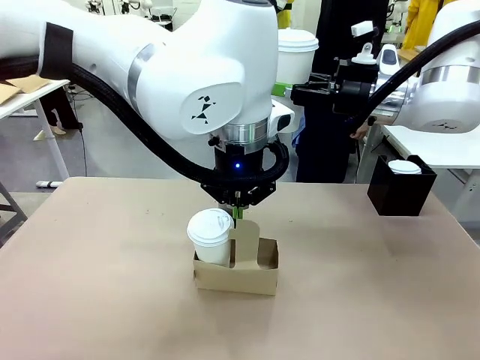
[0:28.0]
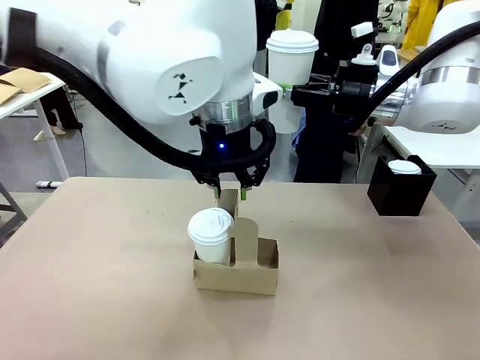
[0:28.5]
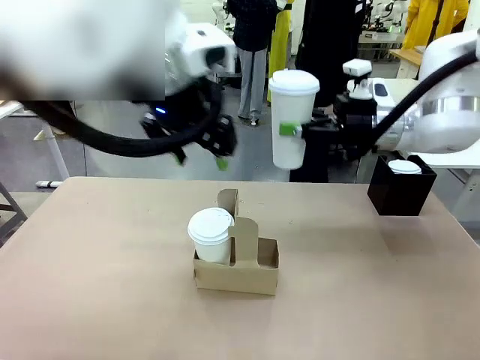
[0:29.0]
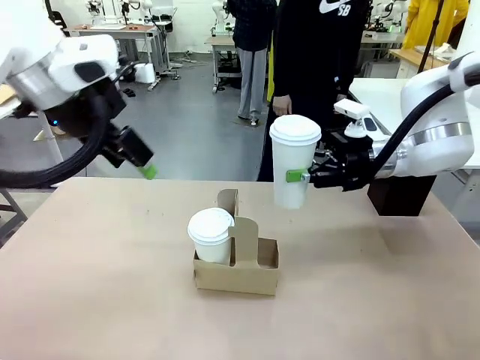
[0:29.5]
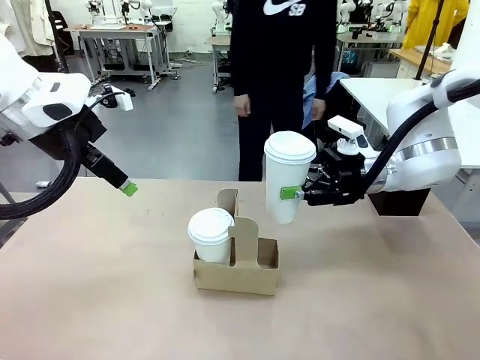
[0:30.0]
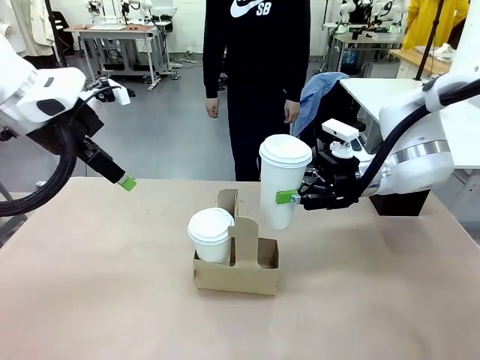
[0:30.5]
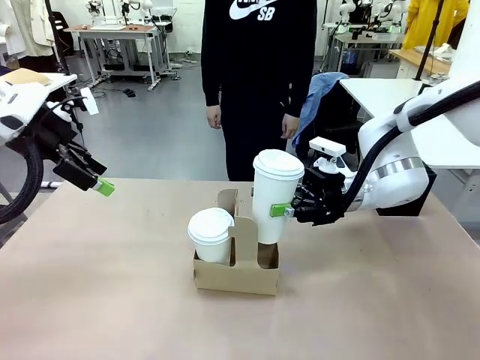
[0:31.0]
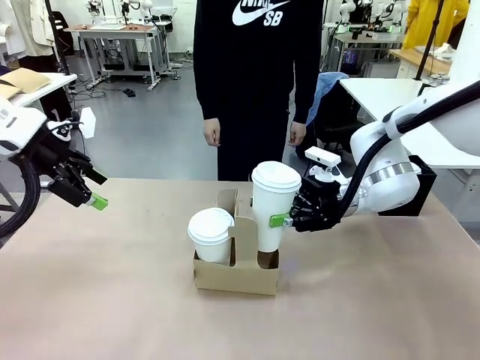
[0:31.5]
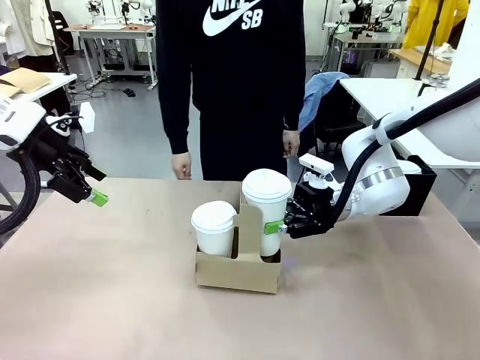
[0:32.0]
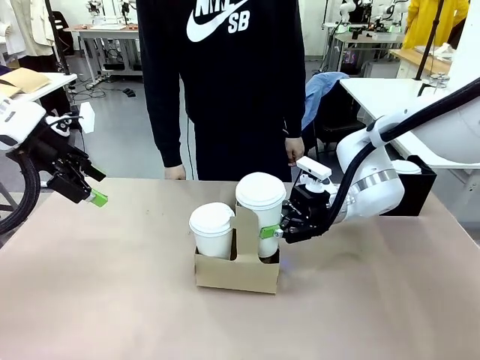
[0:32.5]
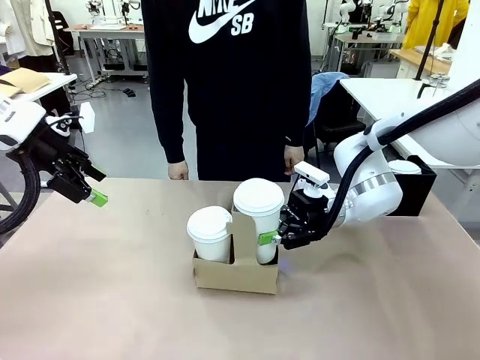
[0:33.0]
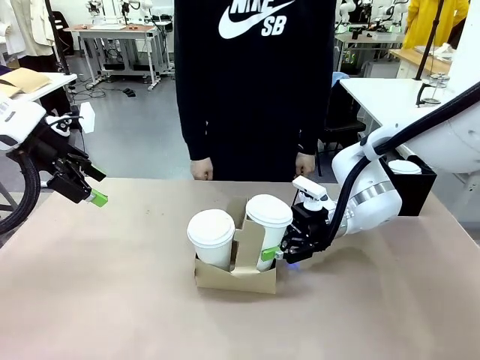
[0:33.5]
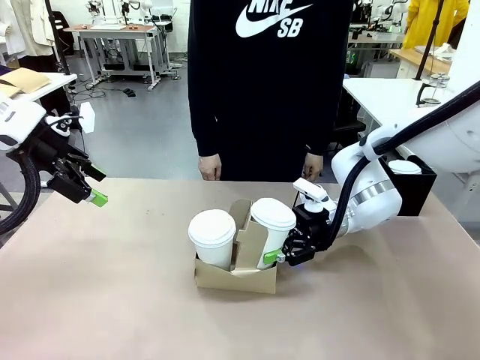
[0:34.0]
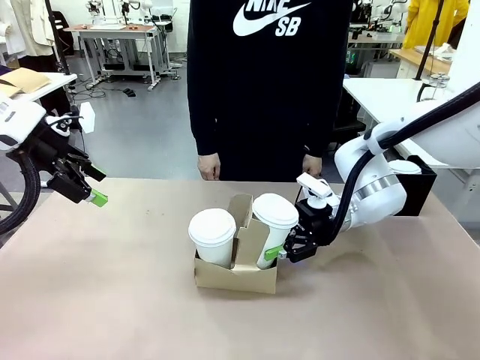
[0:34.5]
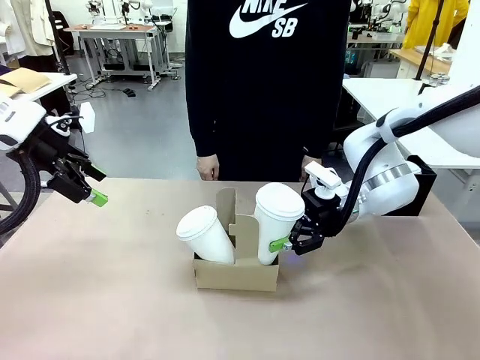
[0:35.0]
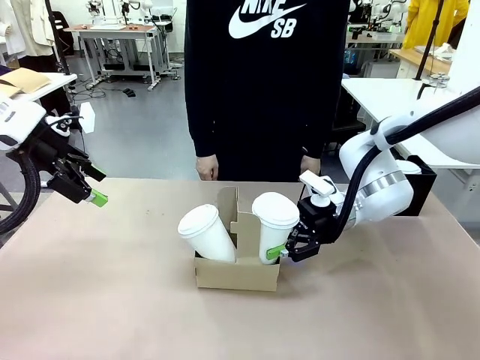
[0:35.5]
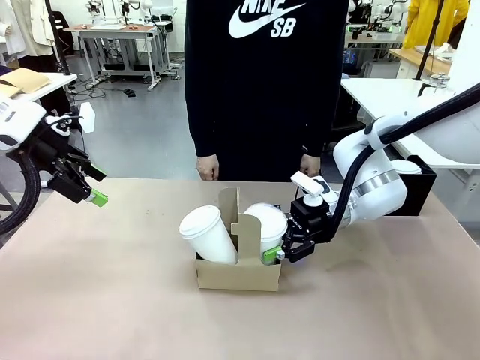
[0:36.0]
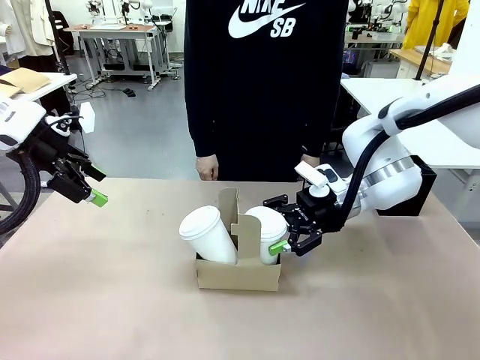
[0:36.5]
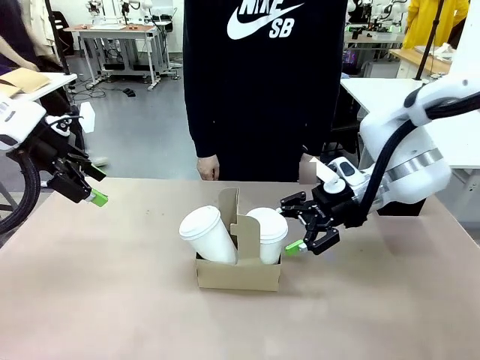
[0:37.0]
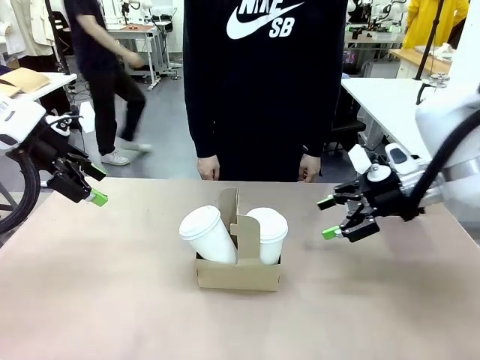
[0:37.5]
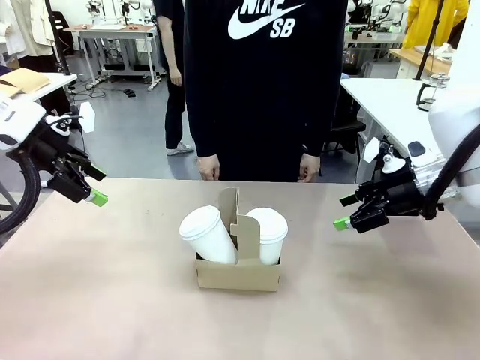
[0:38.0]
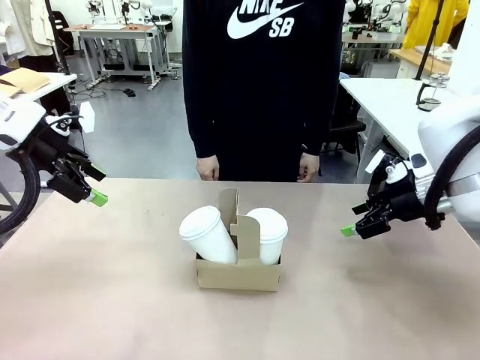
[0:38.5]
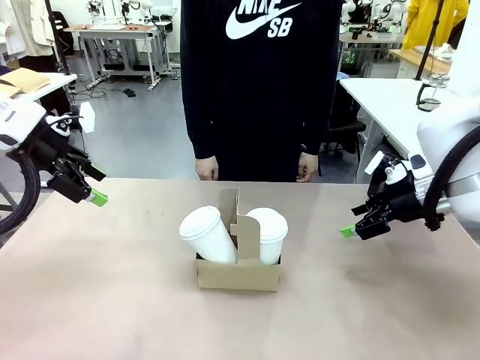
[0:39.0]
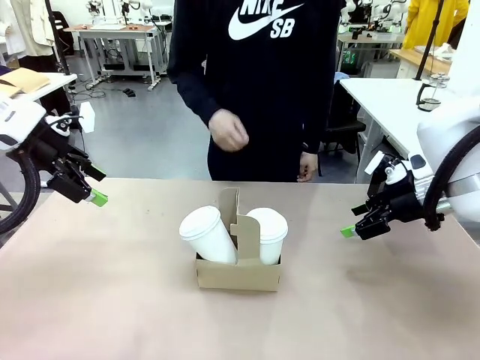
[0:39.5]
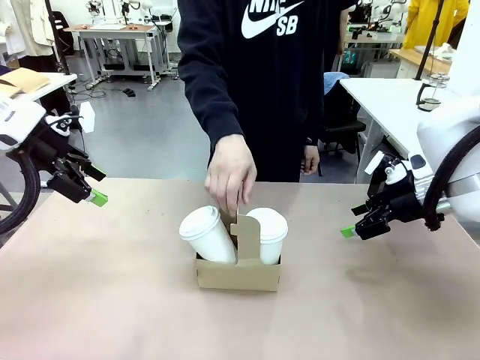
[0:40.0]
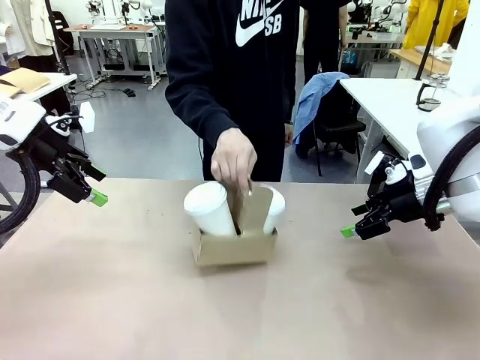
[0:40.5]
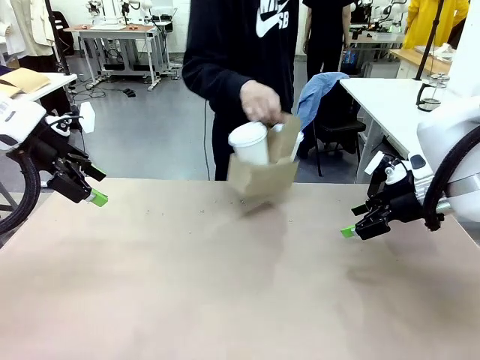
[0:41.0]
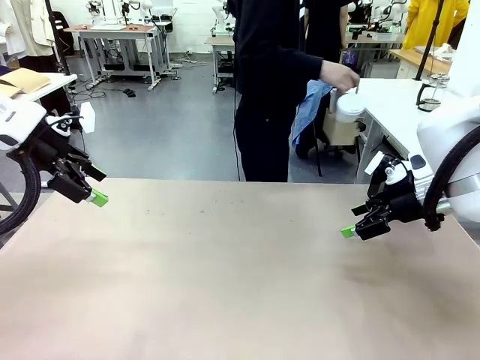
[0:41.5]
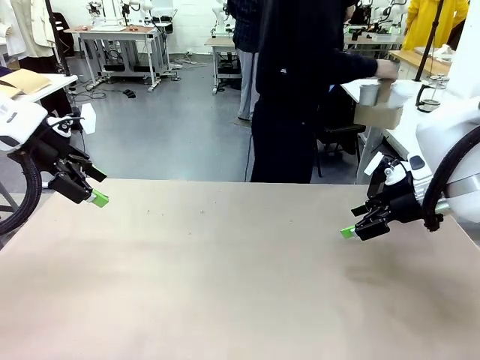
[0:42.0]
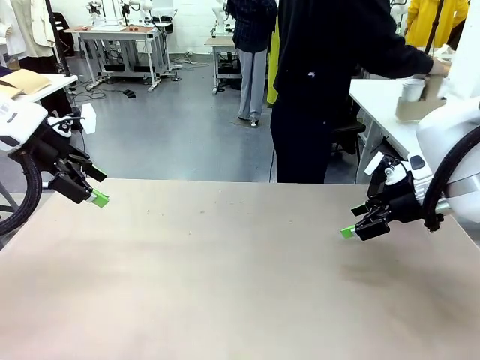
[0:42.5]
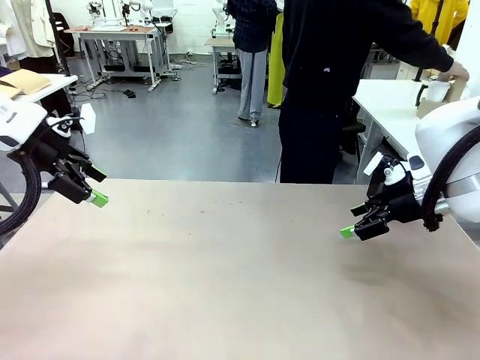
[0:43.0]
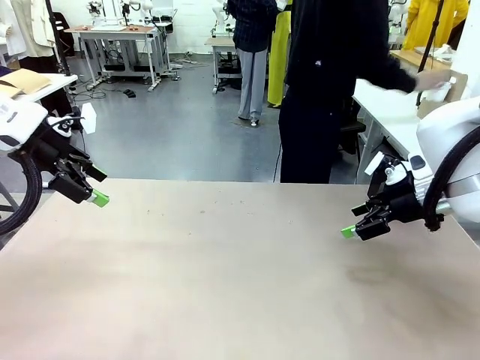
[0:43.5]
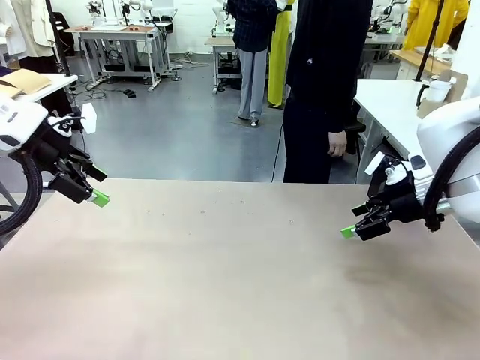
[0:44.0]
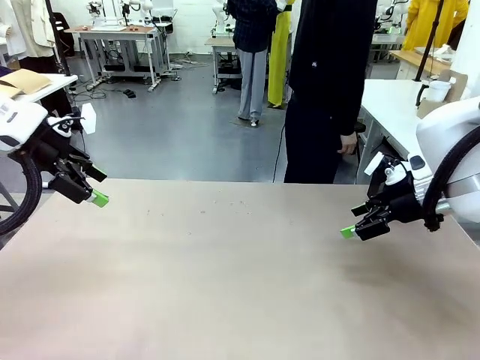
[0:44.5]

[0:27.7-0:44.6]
Task: Pour a drink into a cup and package it in a carrier.
Robot: Insert the held 600 ml Paper Cup into the Cup Carrier.
Person: Place the Cup Carrier to the middle of Human table.

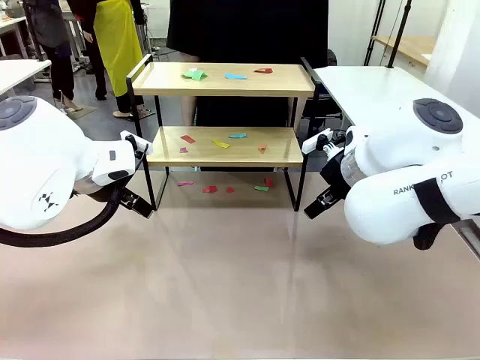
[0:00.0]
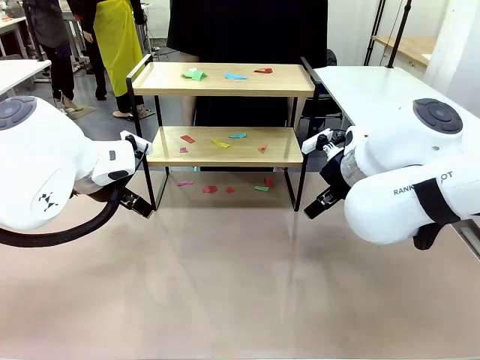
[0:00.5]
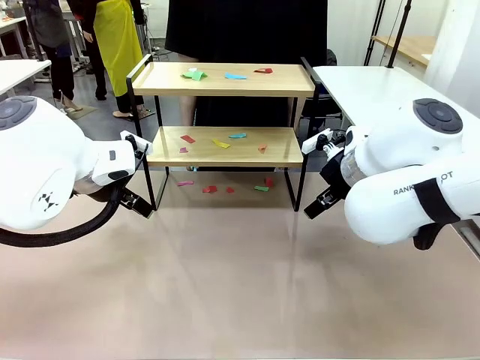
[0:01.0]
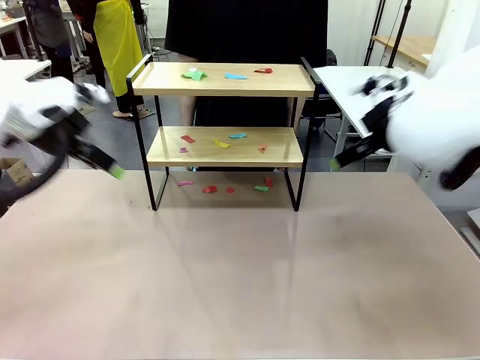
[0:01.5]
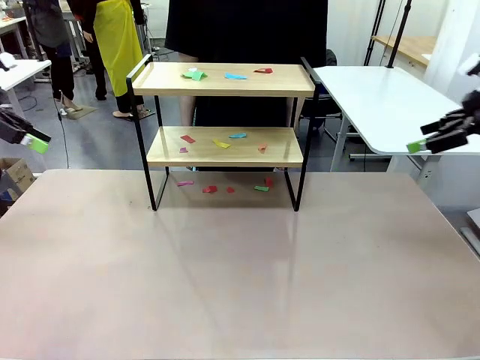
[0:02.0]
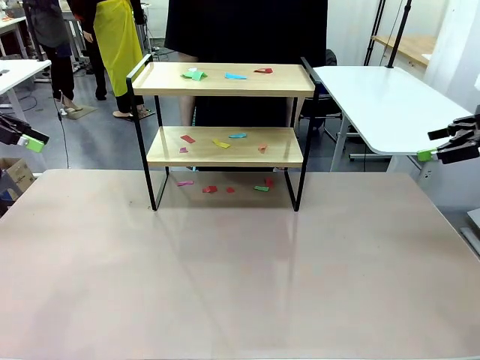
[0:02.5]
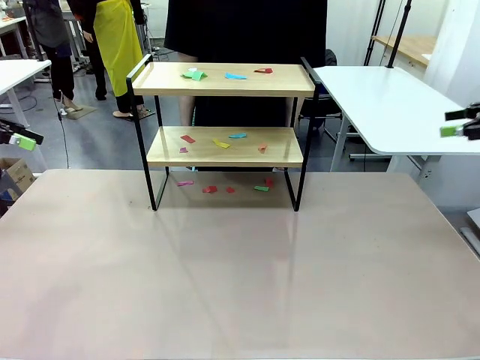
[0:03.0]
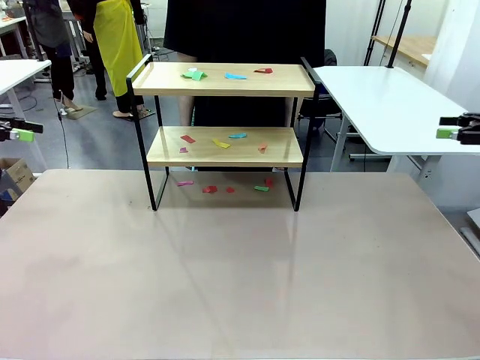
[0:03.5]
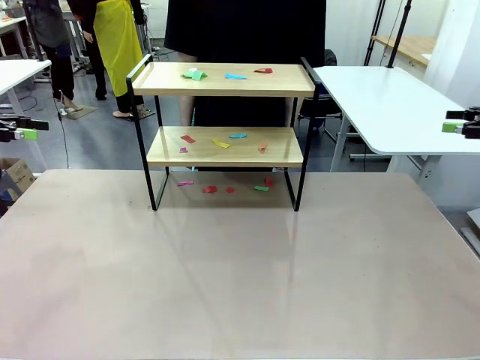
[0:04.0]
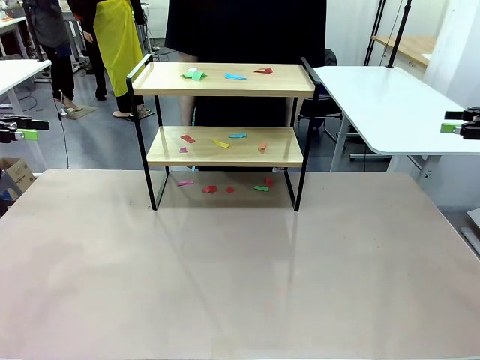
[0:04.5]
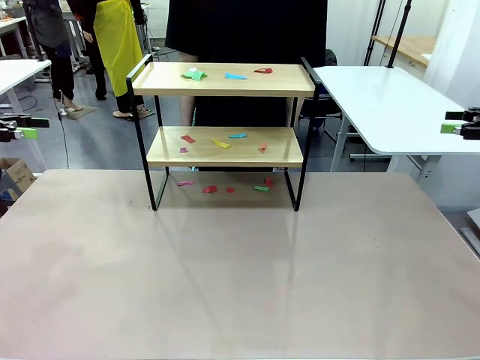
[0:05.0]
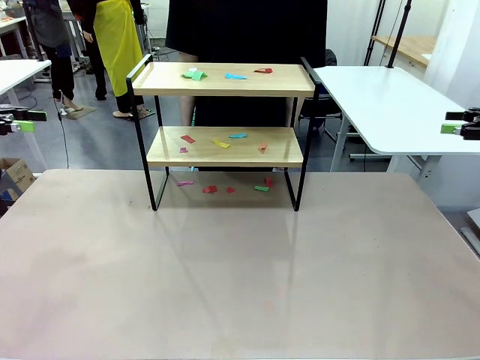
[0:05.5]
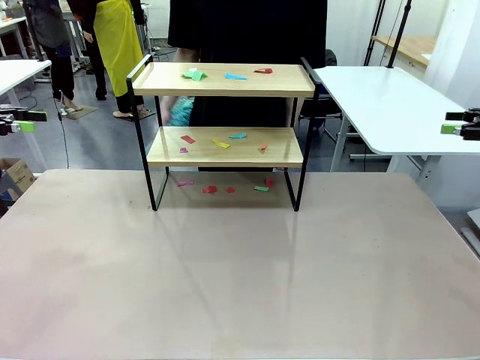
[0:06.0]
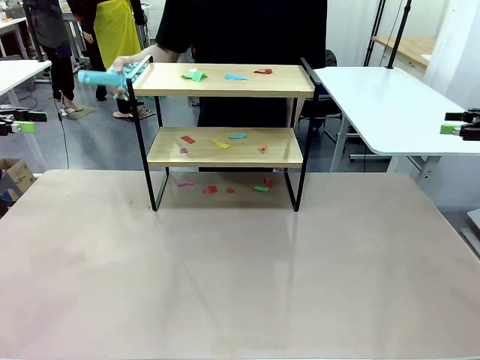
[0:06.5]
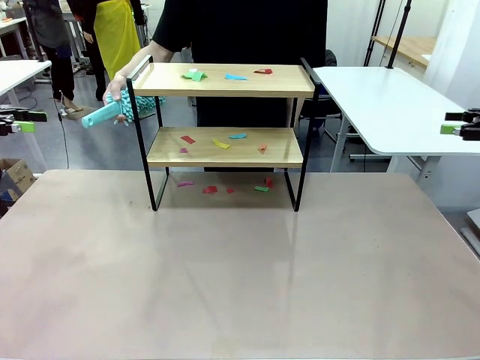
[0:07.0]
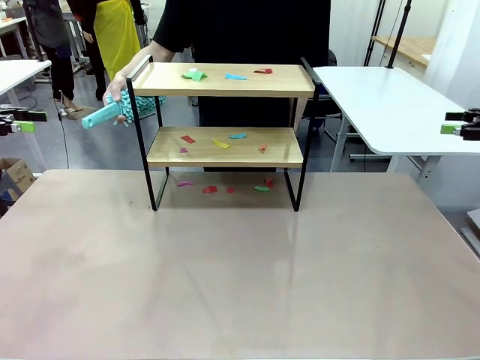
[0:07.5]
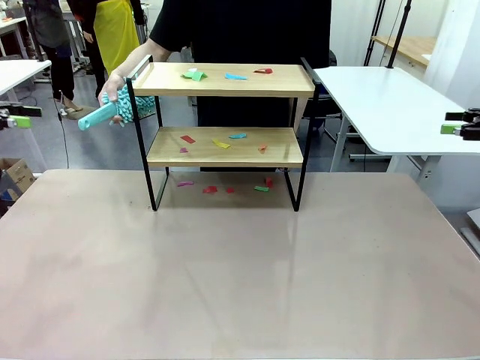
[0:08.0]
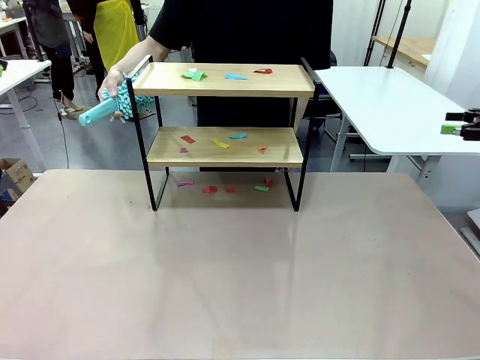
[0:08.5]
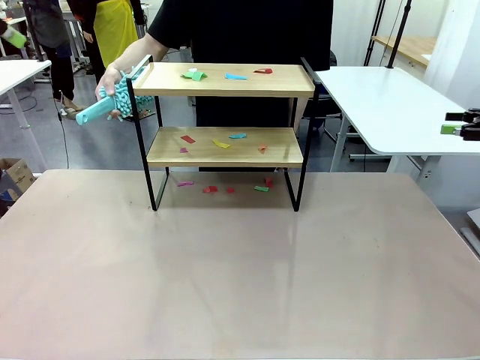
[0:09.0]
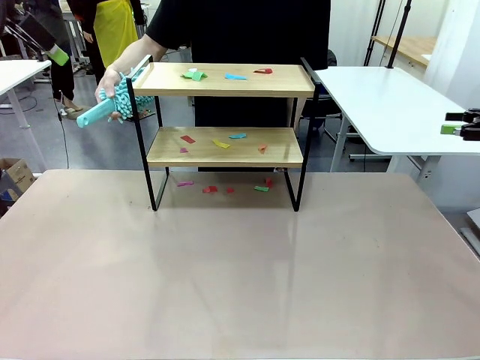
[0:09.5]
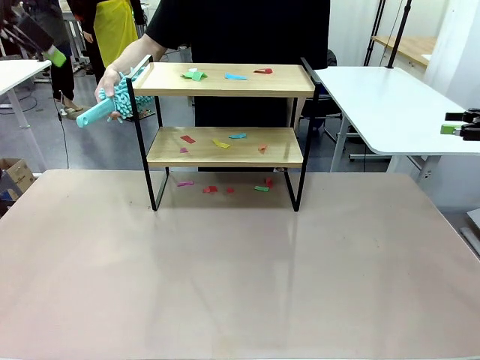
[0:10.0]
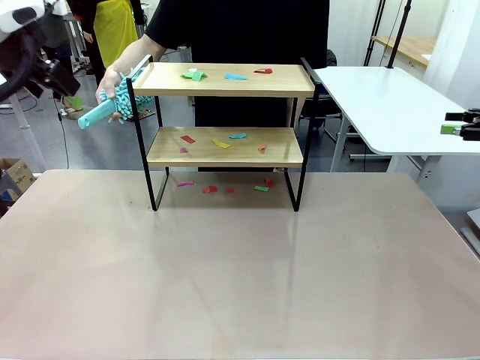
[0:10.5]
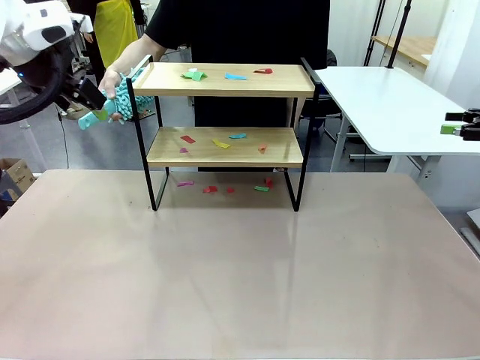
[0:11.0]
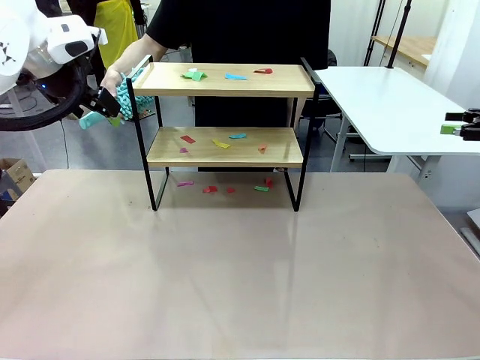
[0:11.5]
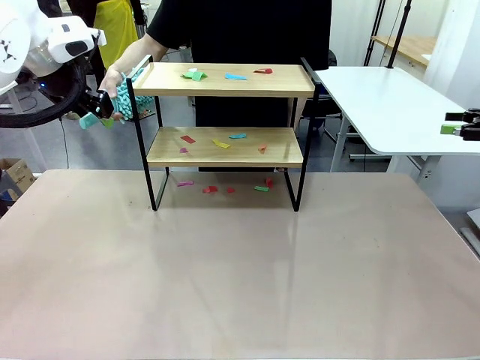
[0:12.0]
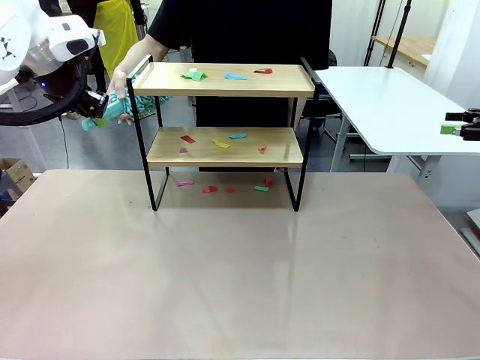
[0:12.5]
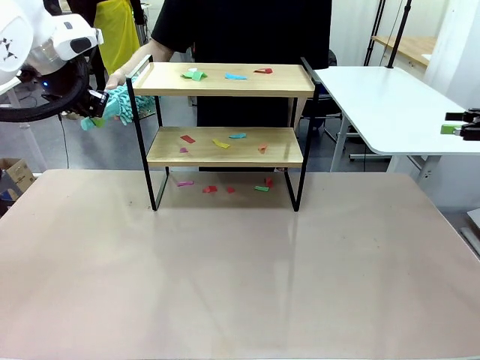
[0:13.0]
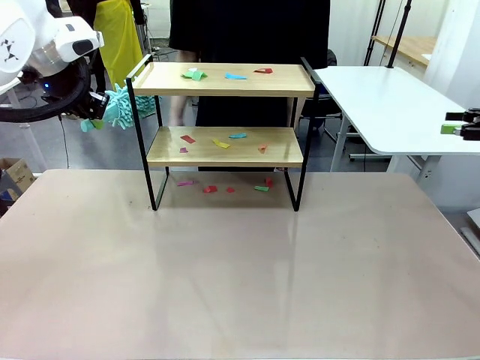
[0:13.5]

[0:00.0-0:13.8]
Task: Clean the shelf.
Robot: Pick up the Duster handed by the human.
Person: Hand the Duster to the robot.
